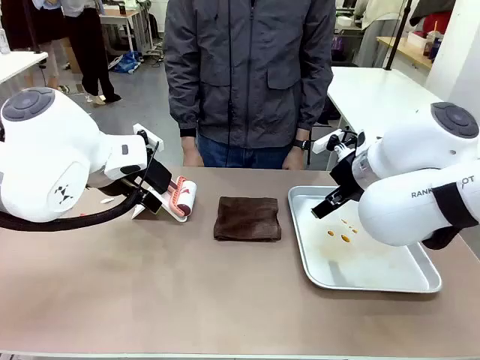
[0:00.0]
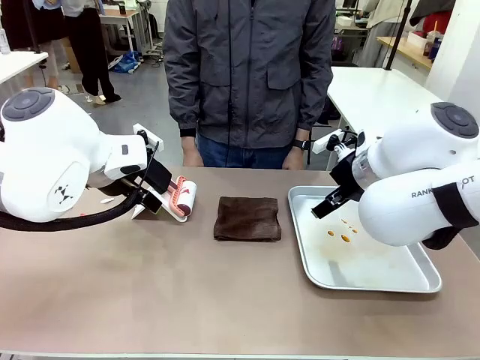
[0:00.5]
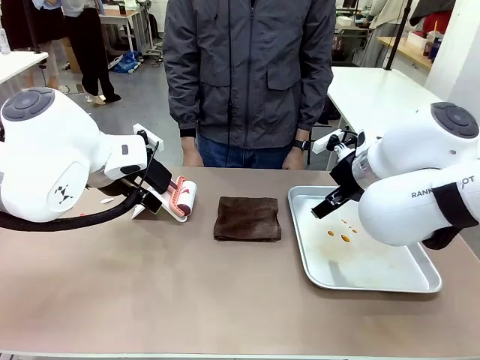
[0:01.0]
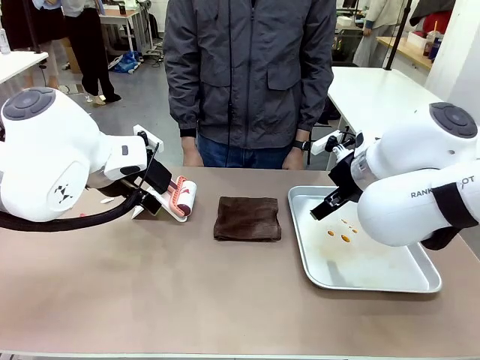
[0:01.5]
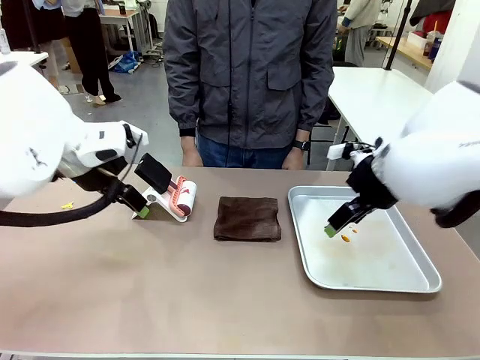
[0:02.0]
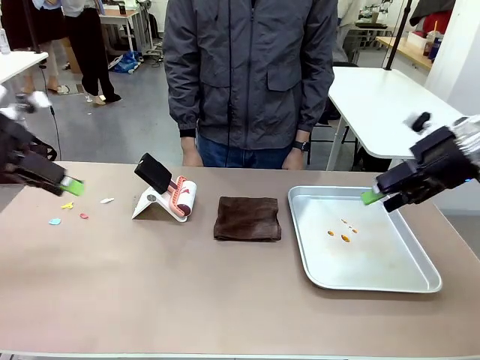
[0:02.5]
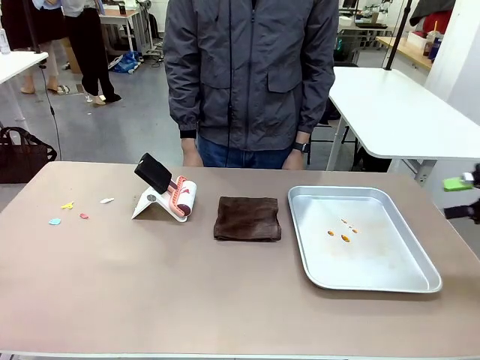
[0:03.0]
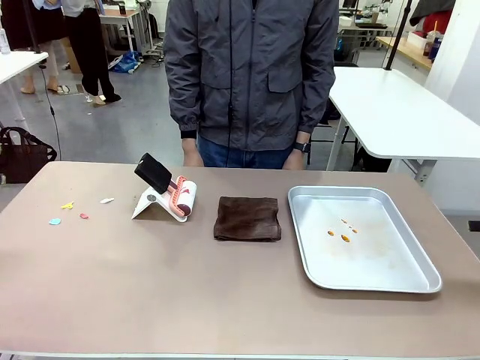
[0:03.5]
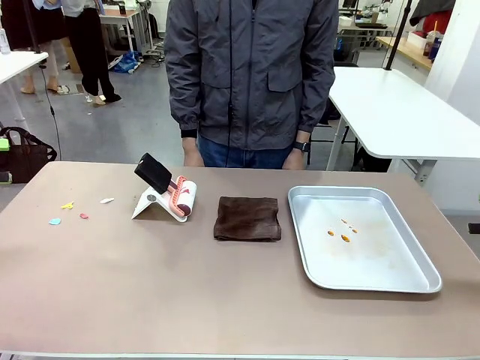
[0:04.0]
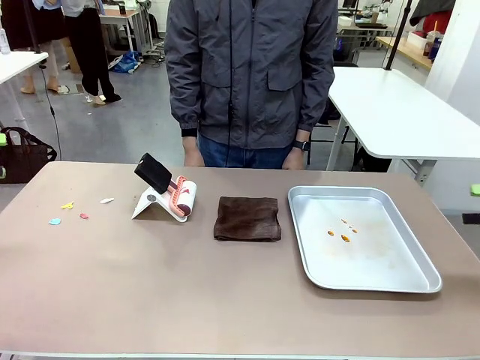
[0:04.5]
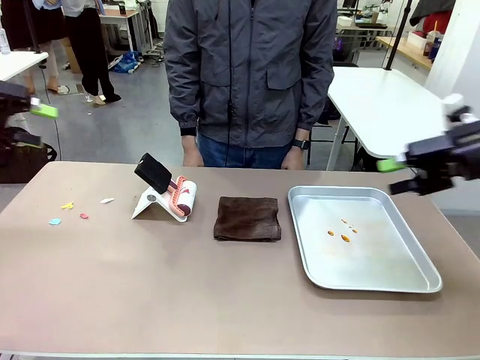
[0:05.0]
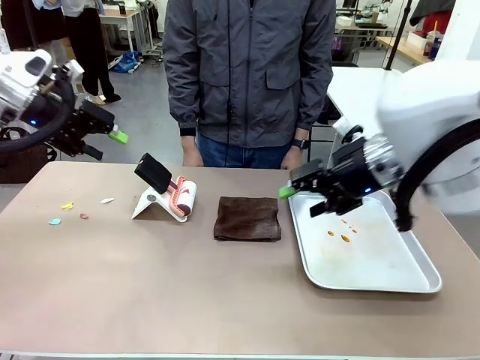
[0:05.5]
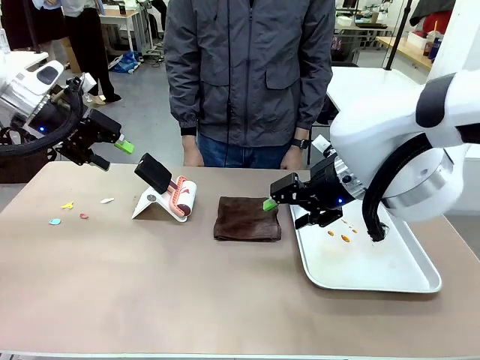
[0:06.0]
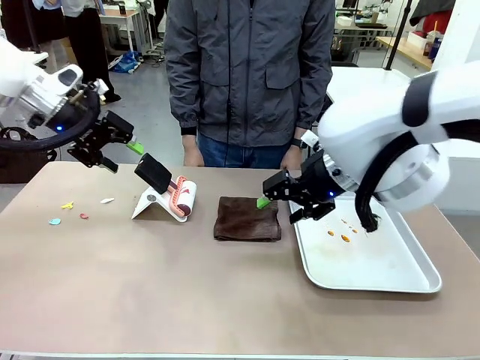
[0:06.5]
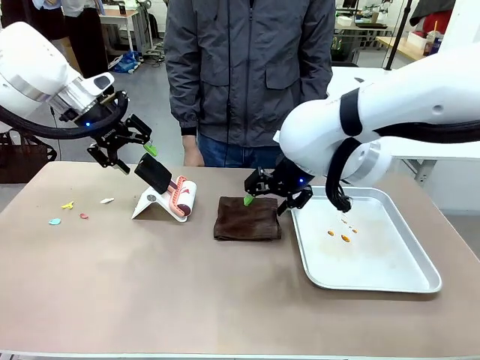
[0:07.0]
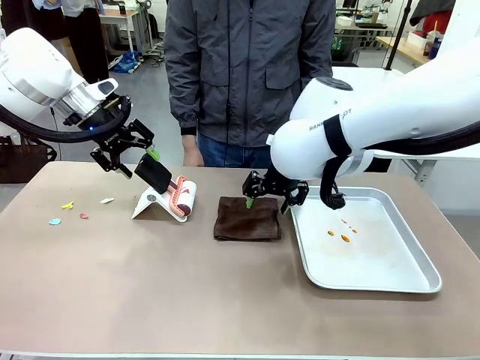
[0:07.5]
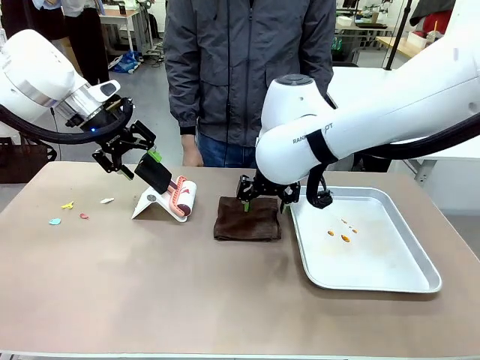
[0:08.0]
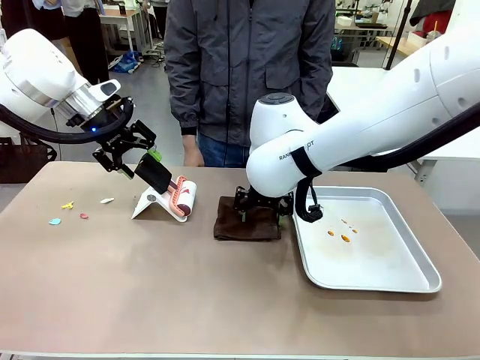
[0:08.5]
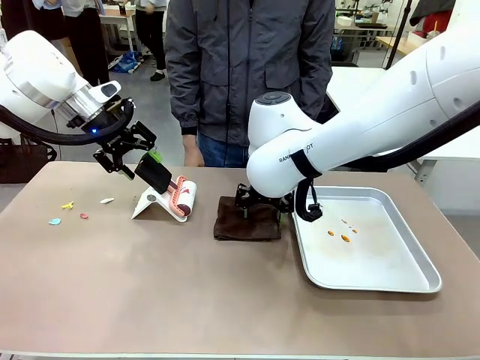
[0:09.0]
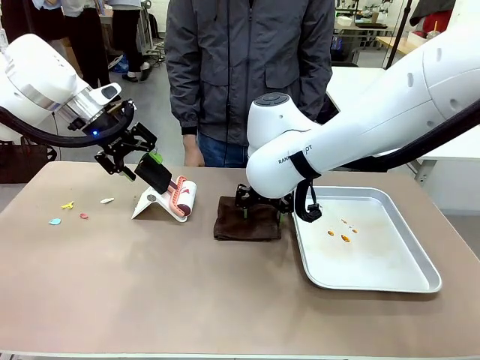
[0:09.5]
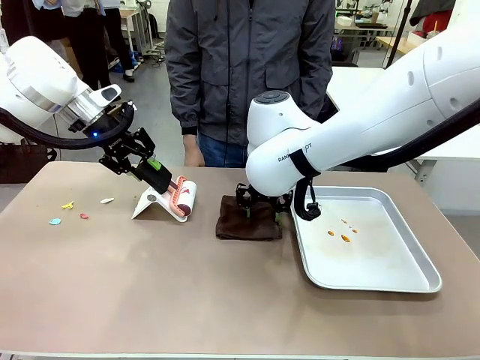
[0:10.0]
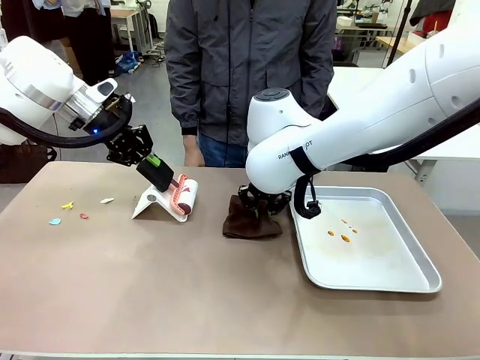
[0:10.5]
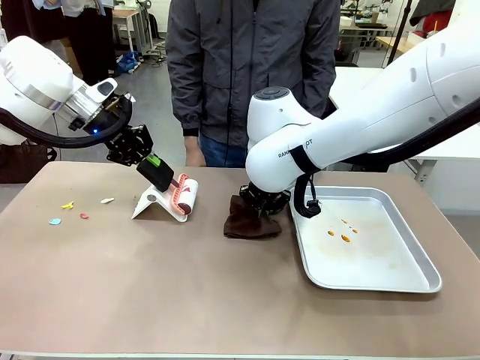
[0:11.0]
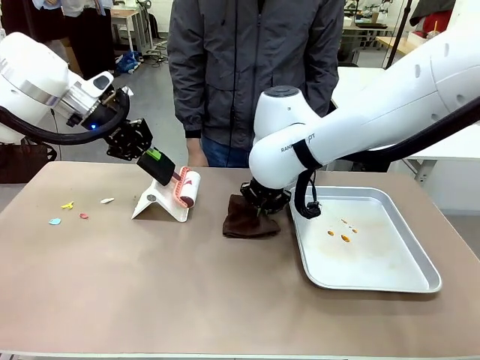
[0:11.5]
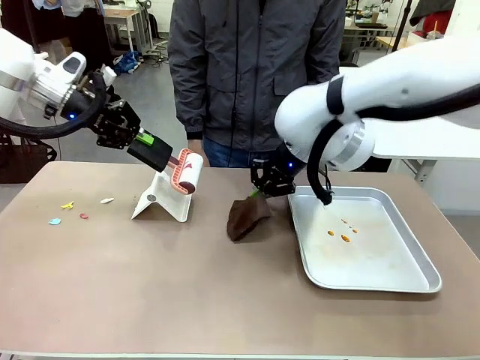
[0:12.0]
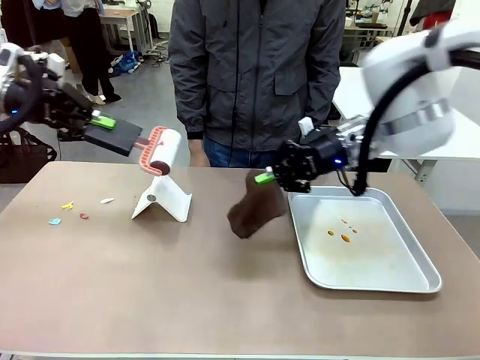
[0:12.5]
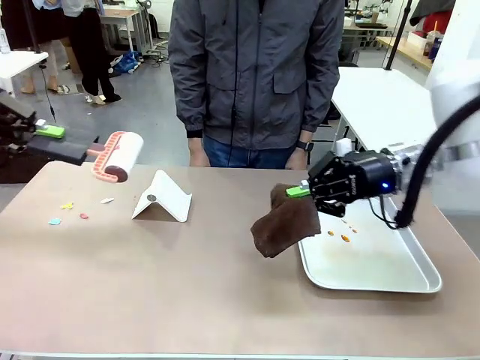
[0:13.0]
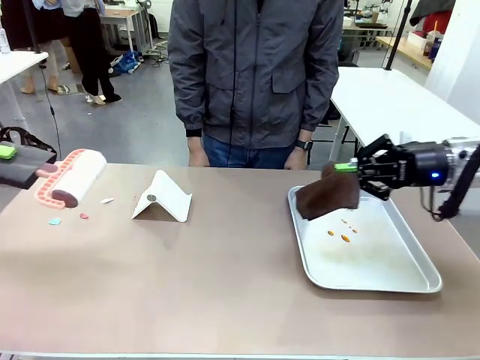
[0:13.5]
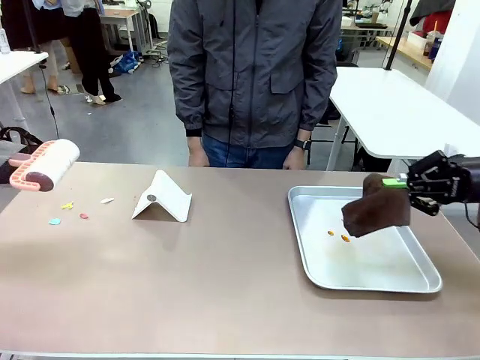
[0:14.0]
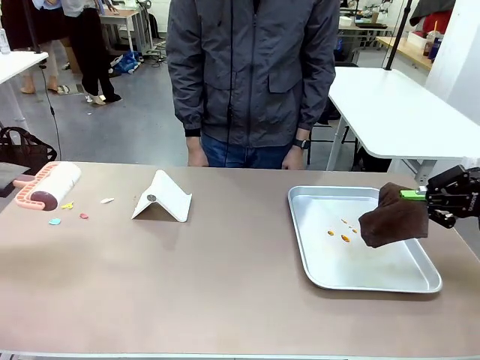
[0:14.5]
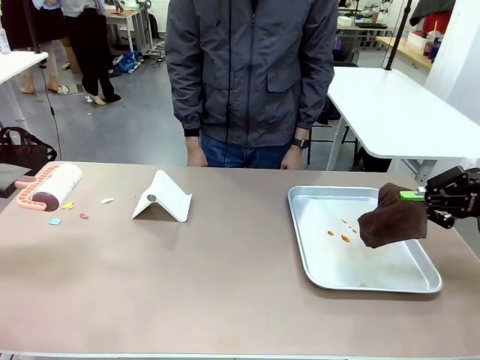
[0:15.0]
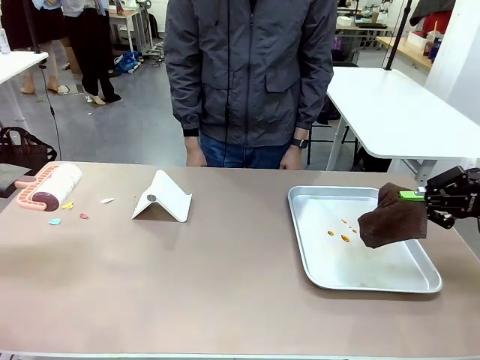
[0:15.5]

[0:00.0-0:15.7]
Task: Clean the surface of the table.
Robot: Hold the Lint Roller with your left hand and the towel with your right hand.

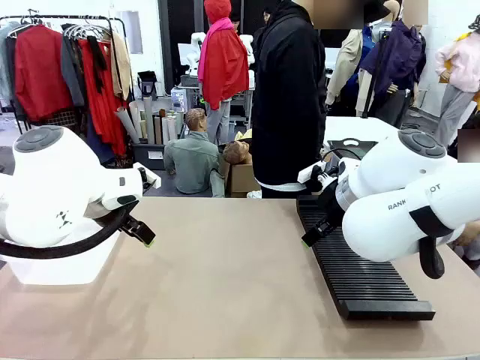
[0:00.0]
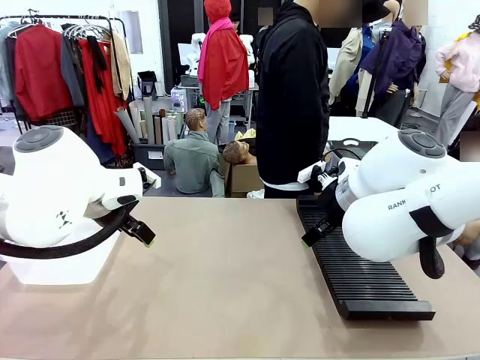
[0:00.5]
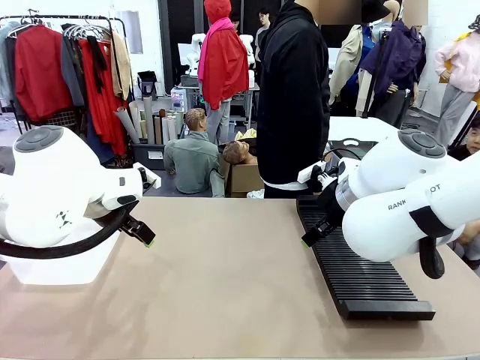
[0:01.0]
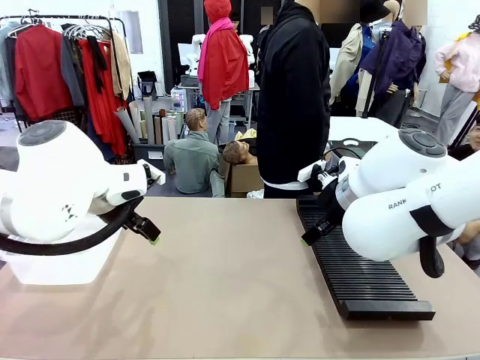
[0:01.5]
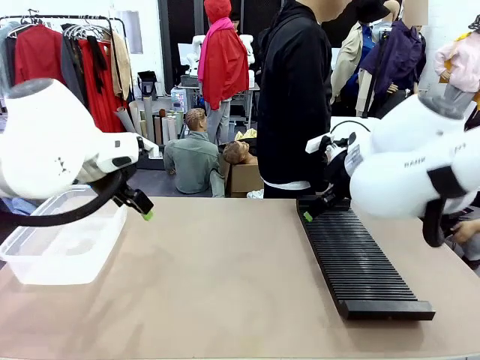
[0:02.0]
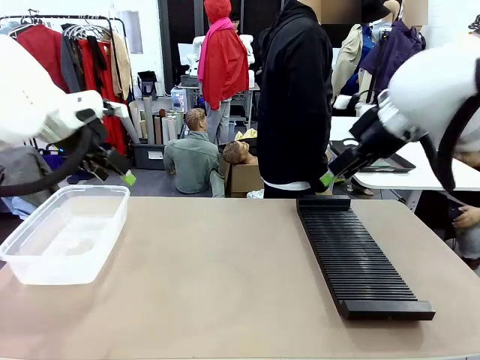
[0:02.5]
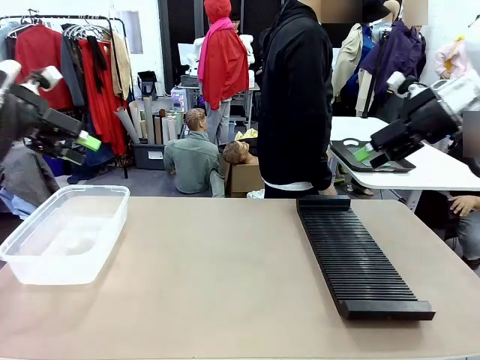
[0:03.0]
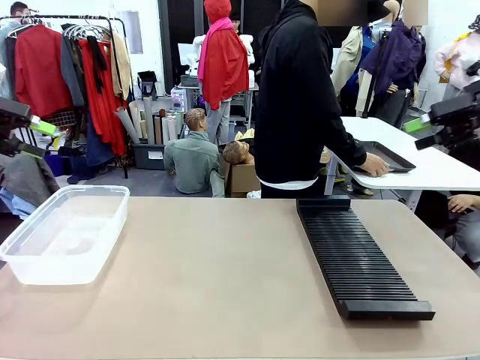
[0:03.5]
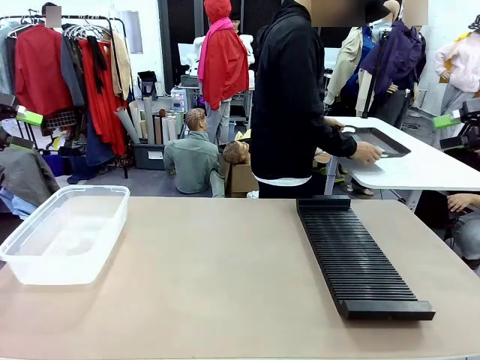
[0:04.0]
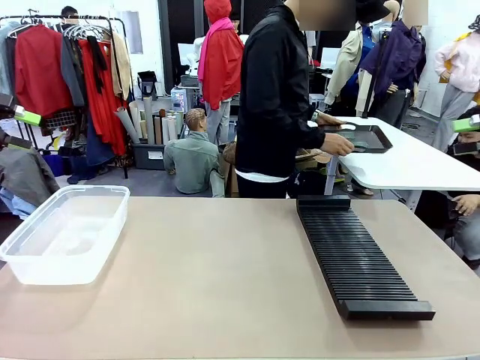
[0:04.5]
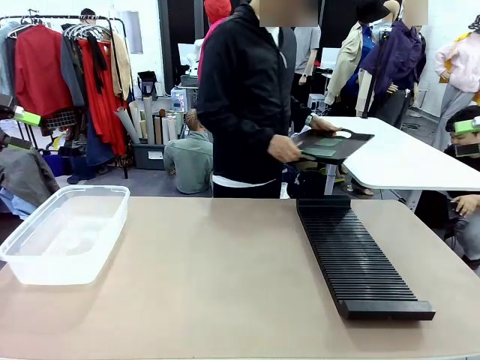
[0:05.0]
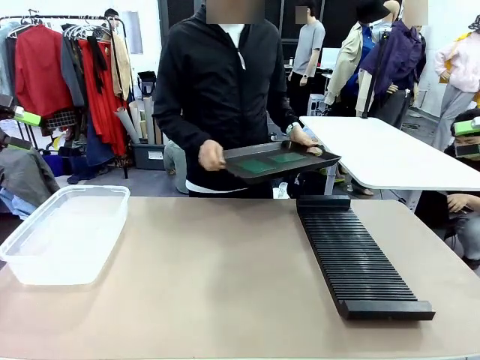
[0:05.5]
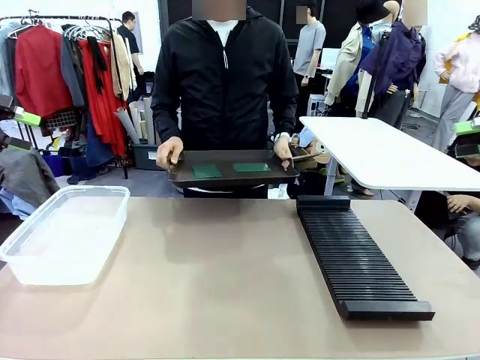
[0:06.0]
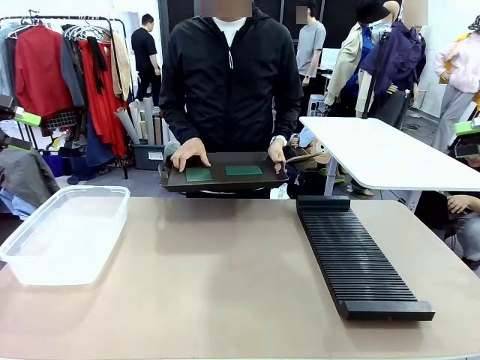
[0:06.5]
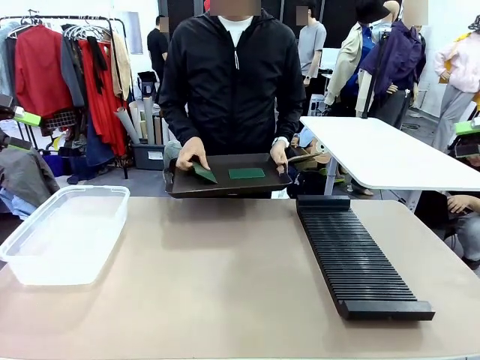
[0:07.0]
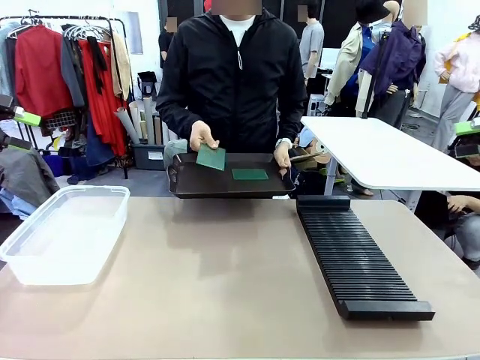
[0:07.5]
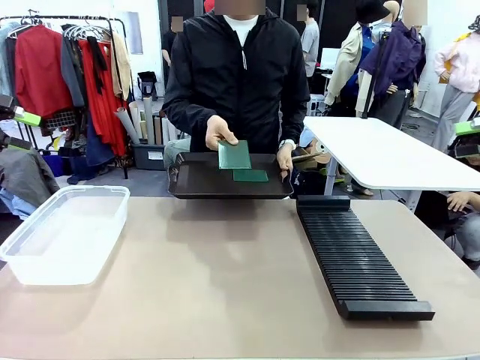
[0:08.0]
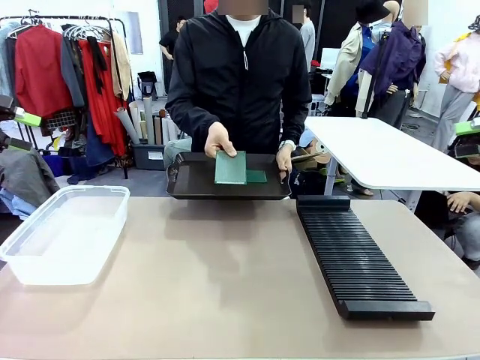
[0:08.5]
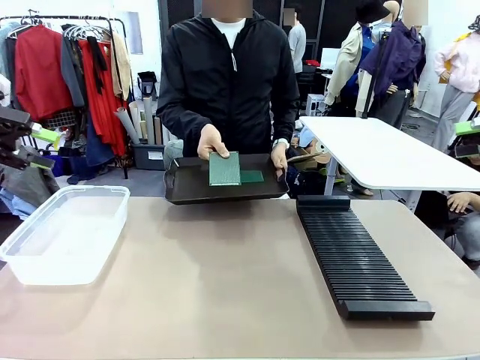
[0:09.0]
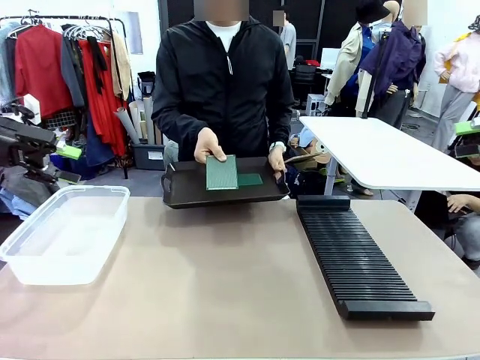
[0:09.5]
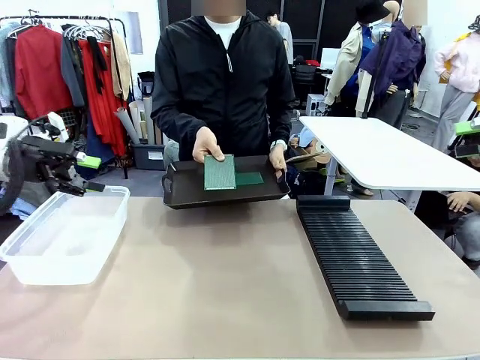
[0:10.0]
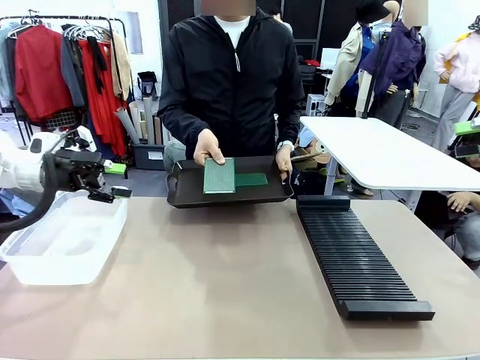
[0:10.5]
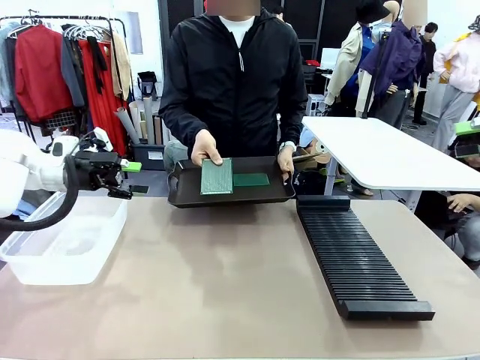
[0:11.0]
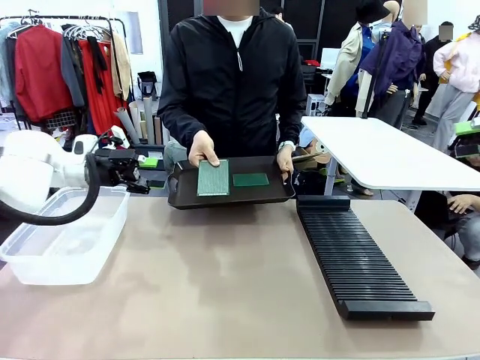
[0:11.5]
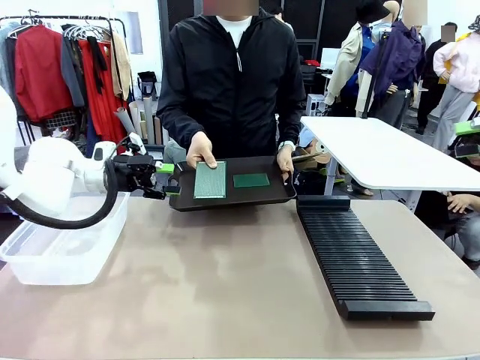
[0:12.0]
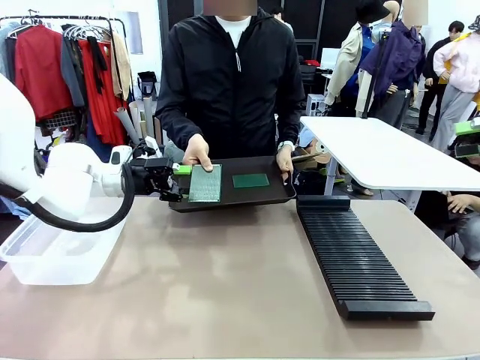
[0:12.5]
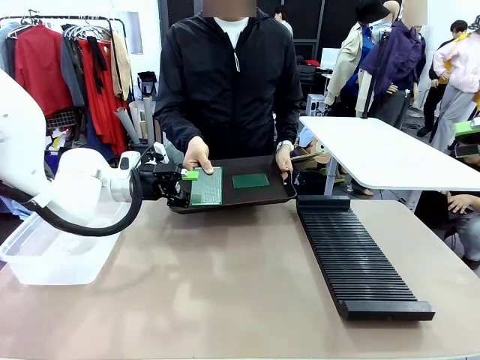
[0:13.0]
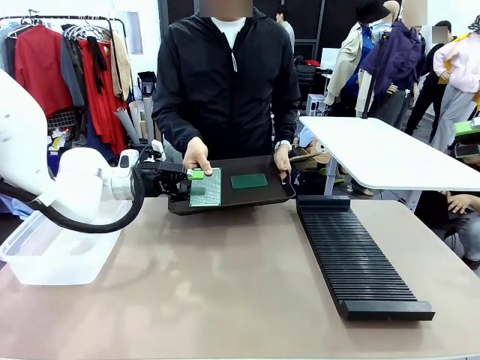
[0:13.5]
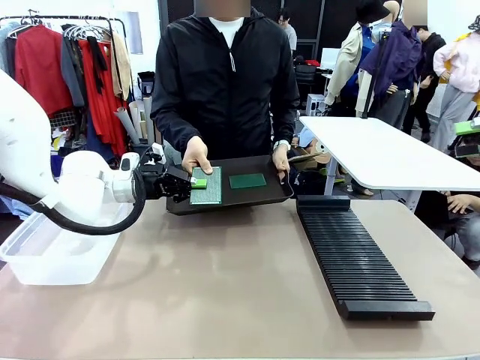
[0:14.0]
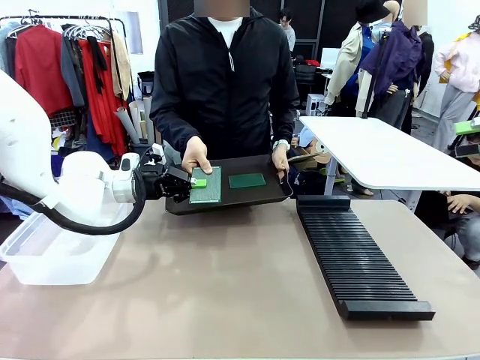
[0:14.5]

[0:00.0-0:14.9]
Task: Sort PCBs into racks and boxes based on the side picked up.
Robot: Pick up the Blank PCB handed by the Human.
Person: Pick one PCB from the tray and present it to the robot. Release the PCB being held.
